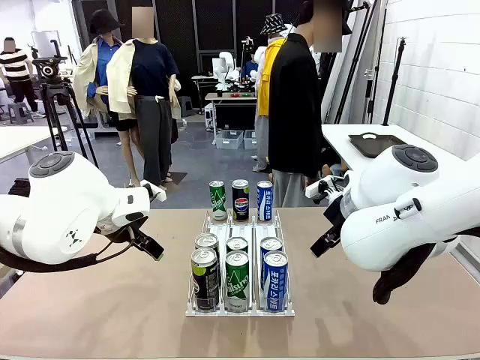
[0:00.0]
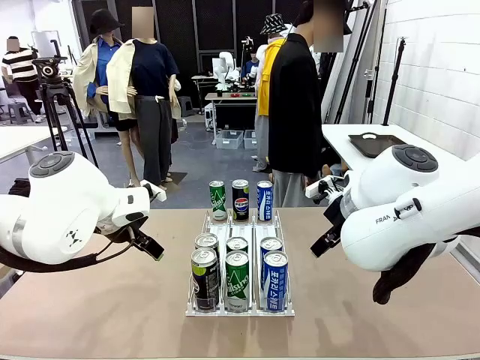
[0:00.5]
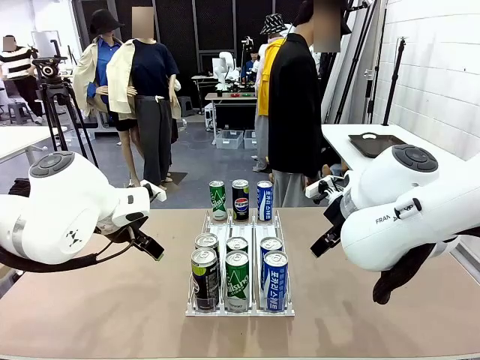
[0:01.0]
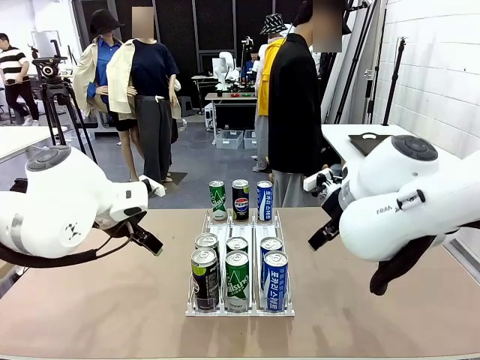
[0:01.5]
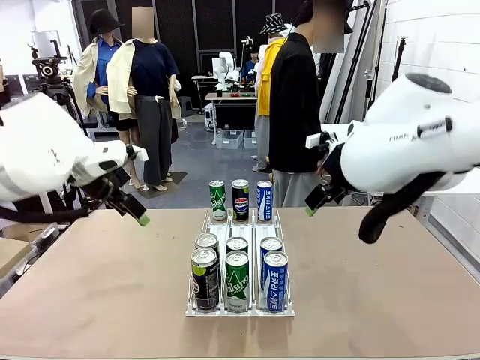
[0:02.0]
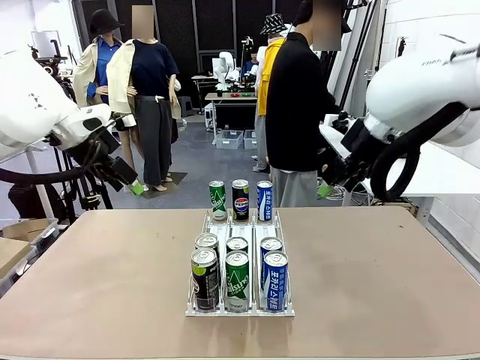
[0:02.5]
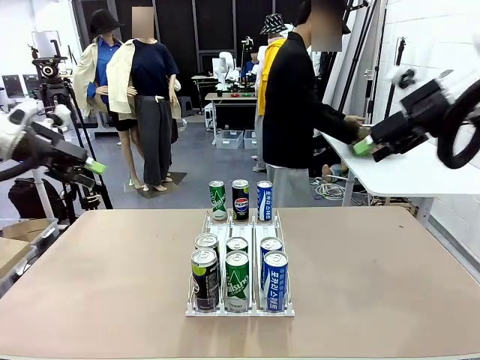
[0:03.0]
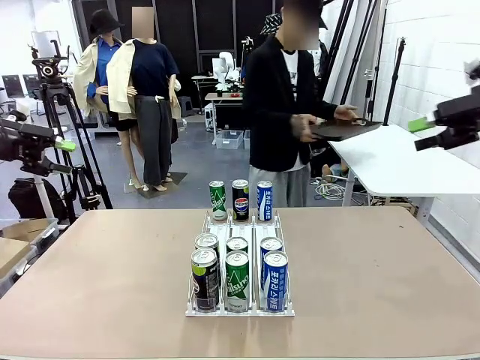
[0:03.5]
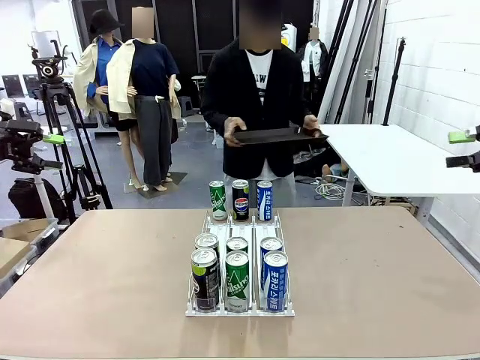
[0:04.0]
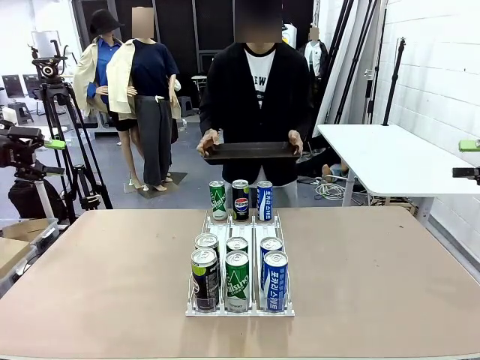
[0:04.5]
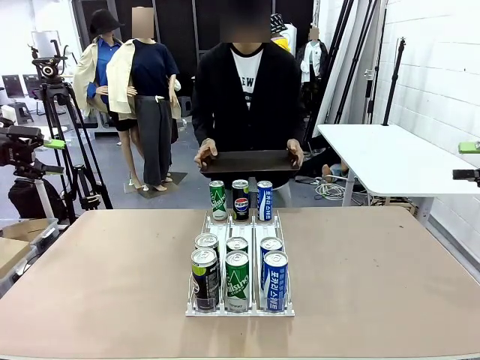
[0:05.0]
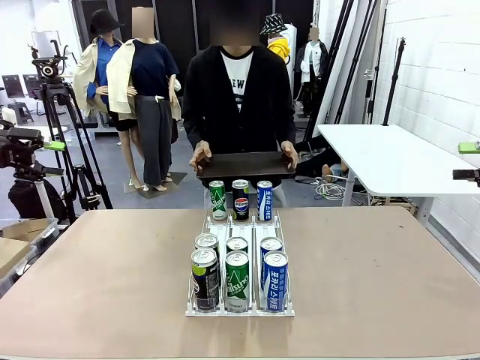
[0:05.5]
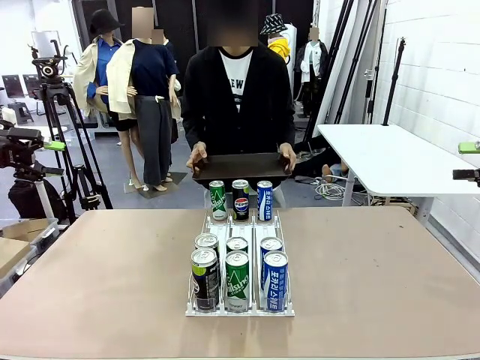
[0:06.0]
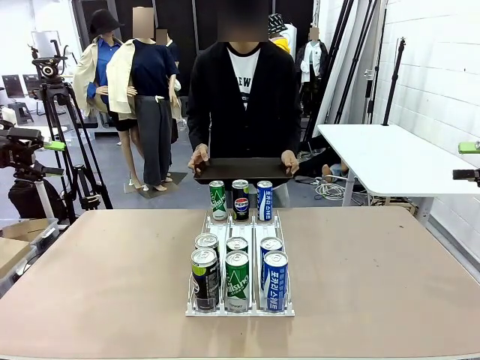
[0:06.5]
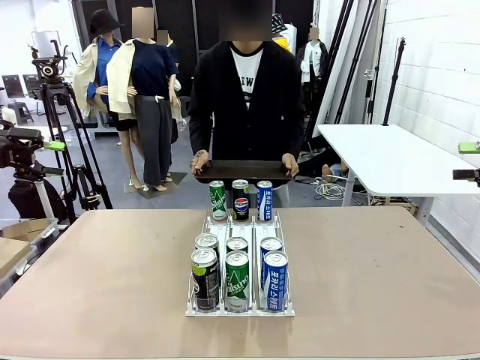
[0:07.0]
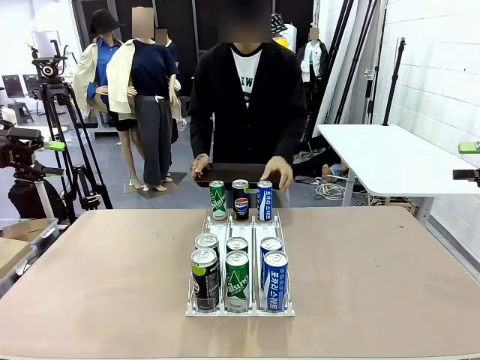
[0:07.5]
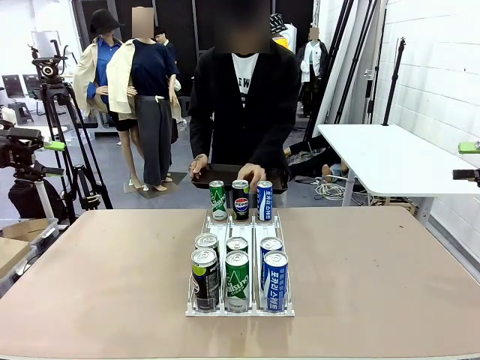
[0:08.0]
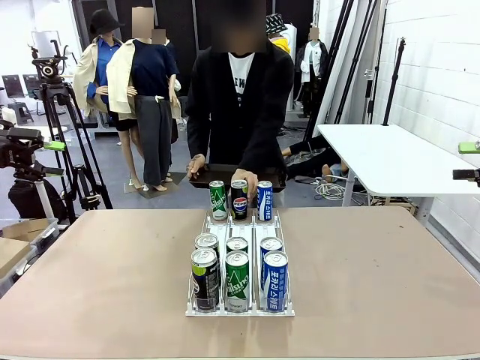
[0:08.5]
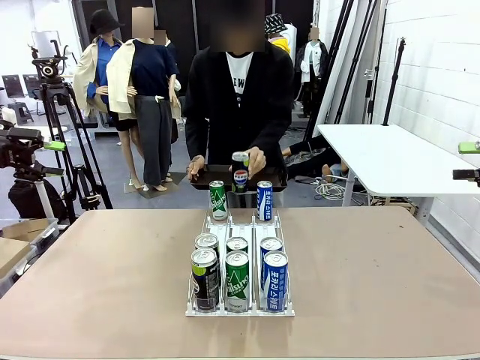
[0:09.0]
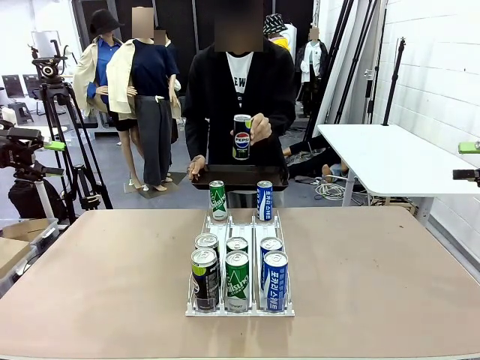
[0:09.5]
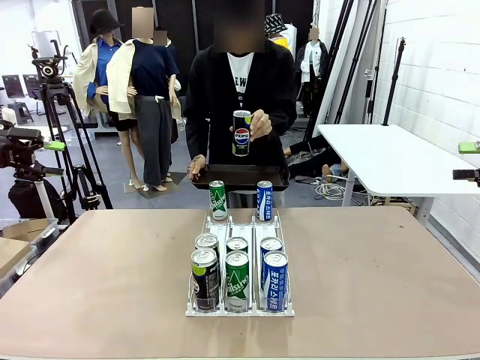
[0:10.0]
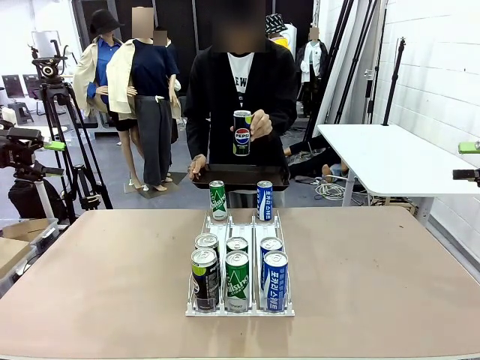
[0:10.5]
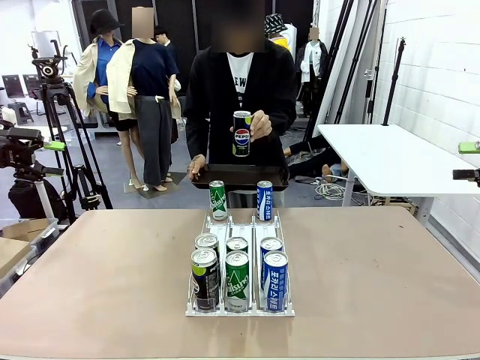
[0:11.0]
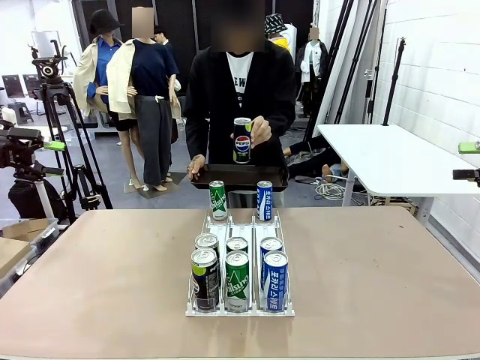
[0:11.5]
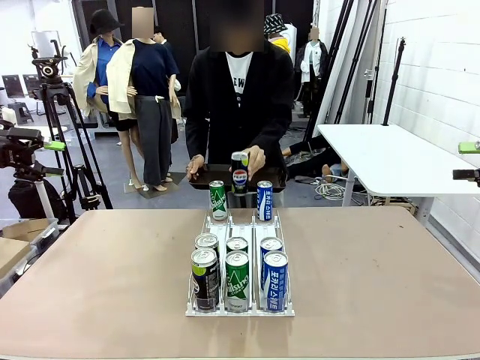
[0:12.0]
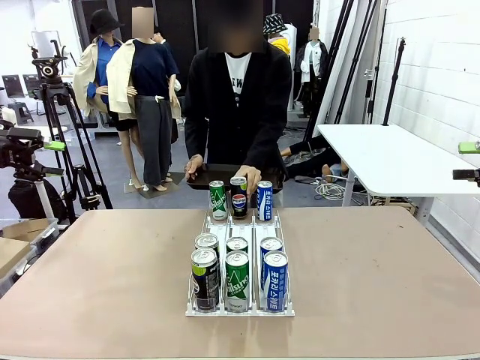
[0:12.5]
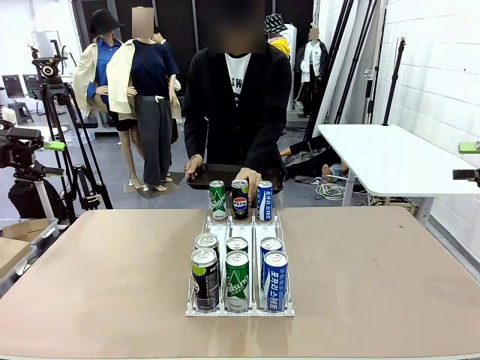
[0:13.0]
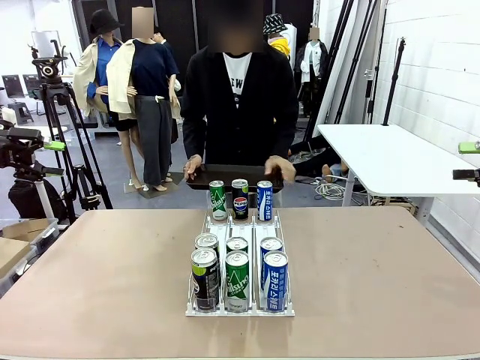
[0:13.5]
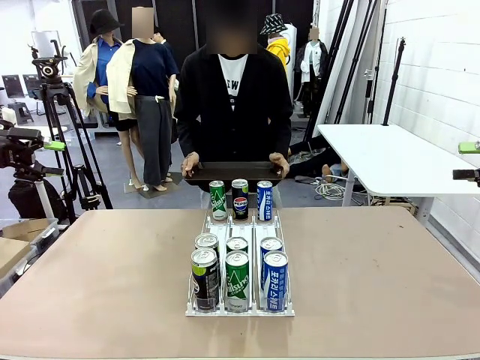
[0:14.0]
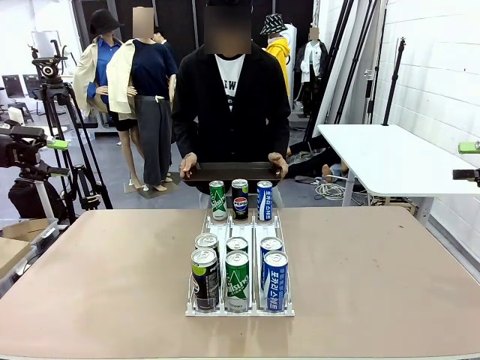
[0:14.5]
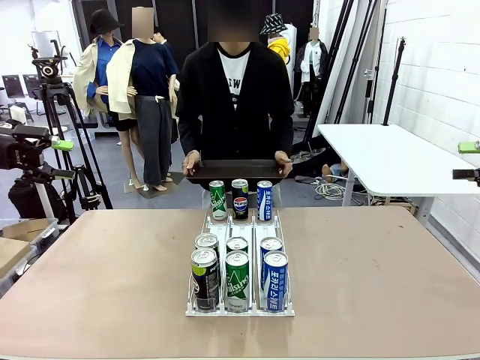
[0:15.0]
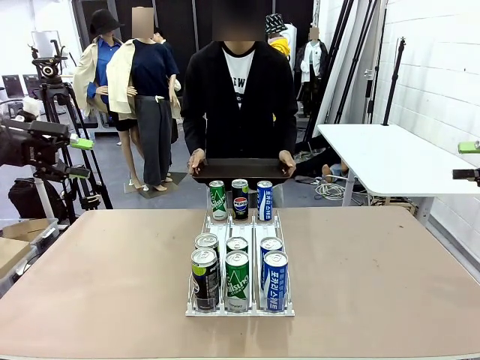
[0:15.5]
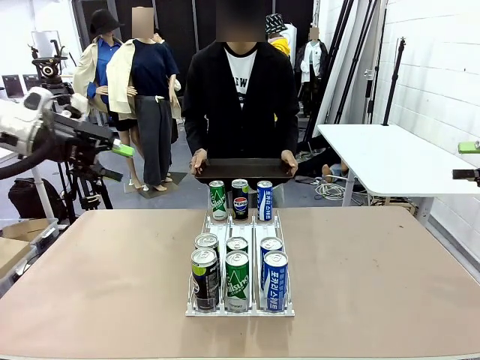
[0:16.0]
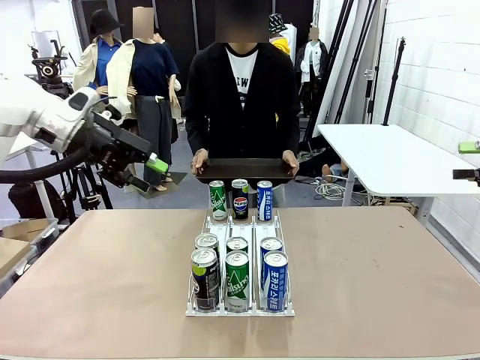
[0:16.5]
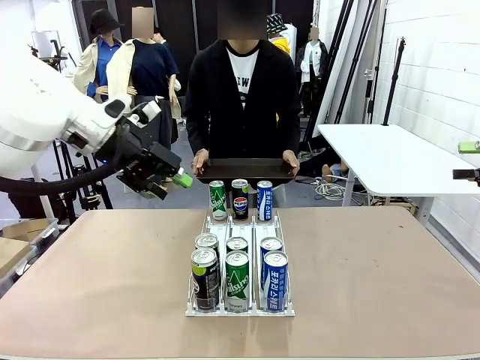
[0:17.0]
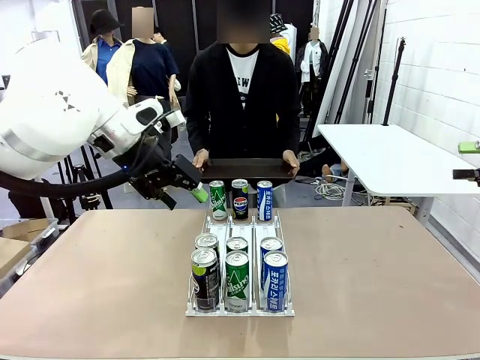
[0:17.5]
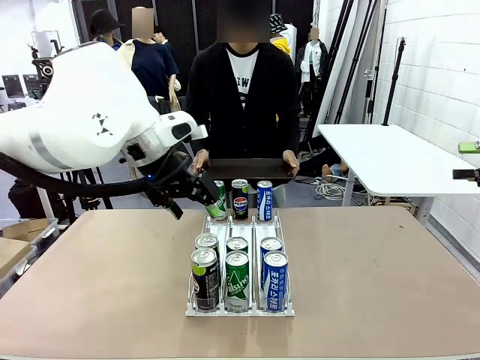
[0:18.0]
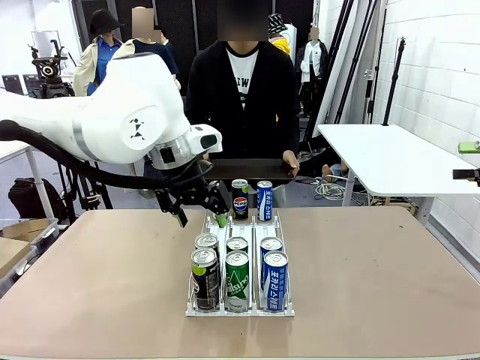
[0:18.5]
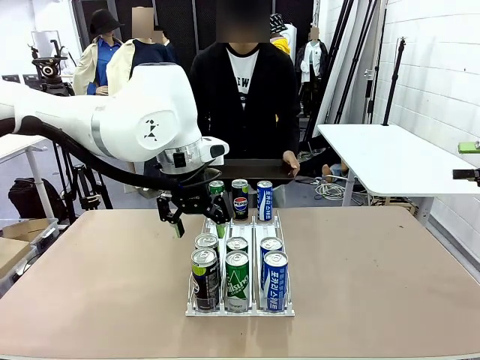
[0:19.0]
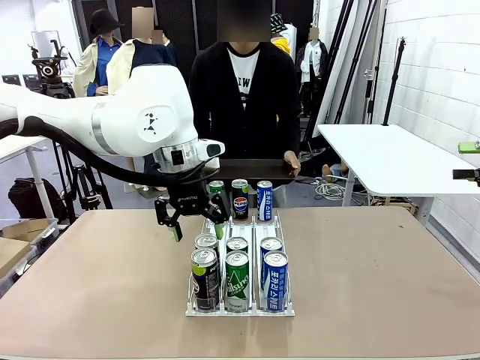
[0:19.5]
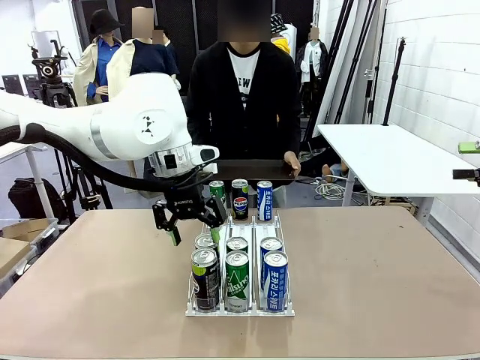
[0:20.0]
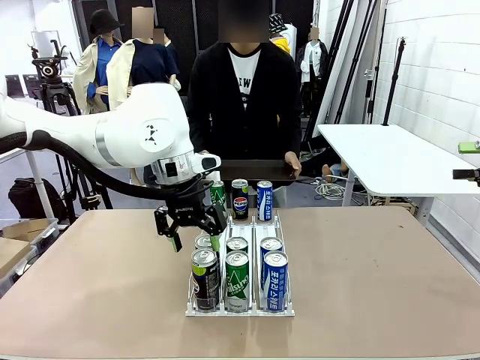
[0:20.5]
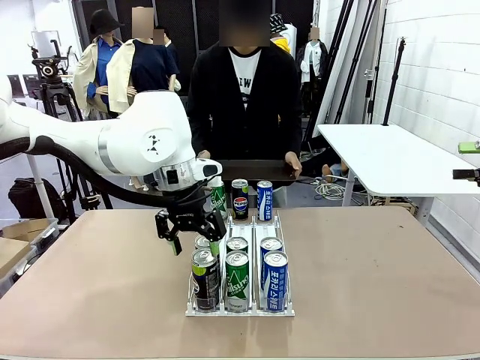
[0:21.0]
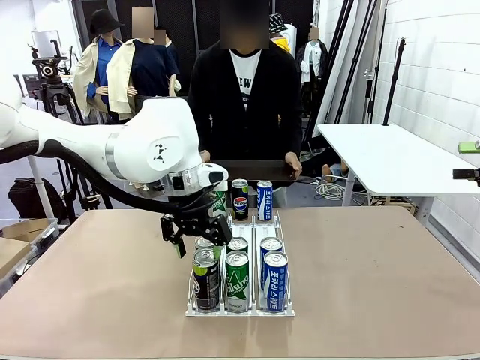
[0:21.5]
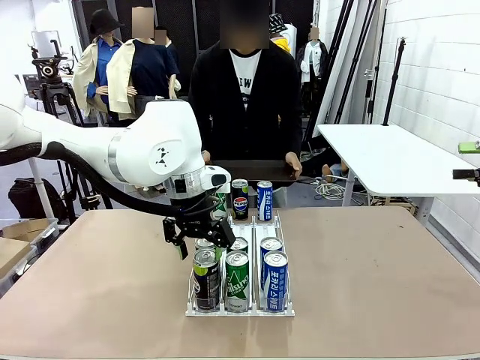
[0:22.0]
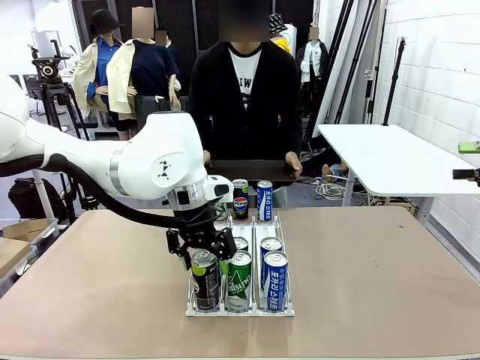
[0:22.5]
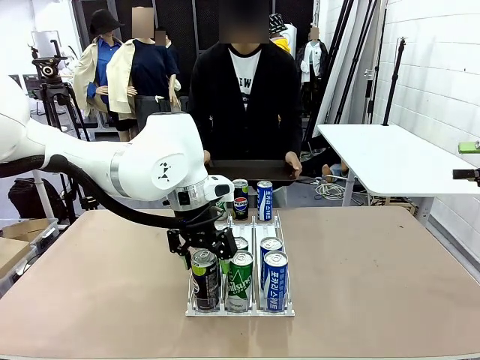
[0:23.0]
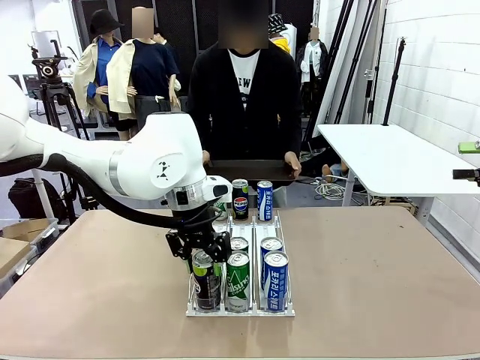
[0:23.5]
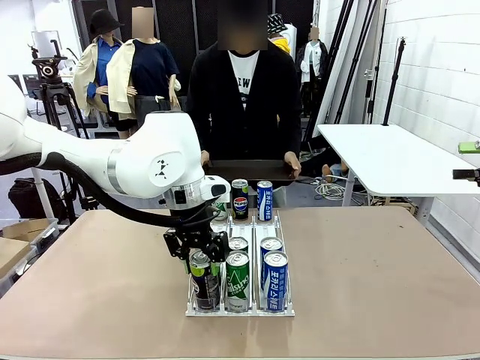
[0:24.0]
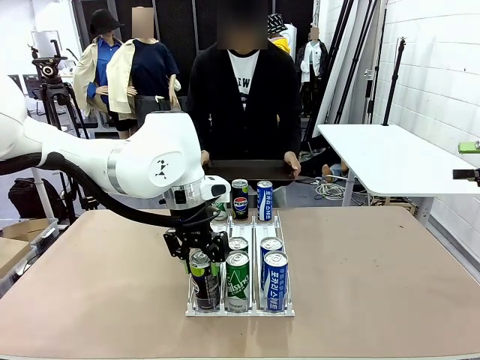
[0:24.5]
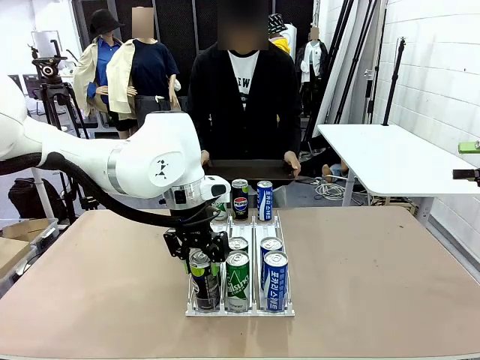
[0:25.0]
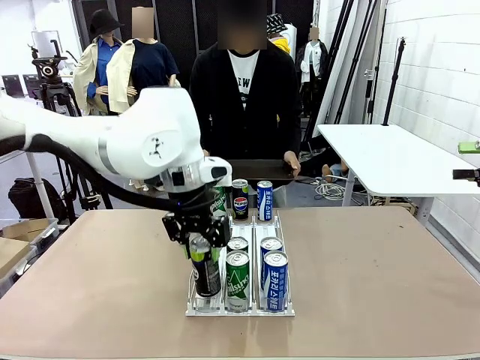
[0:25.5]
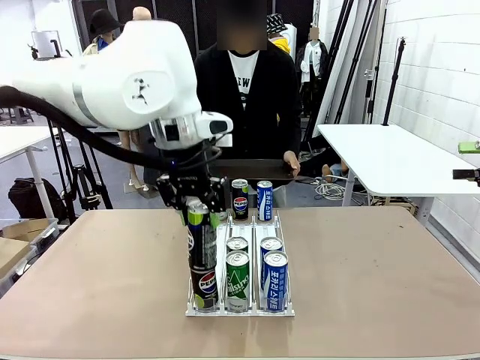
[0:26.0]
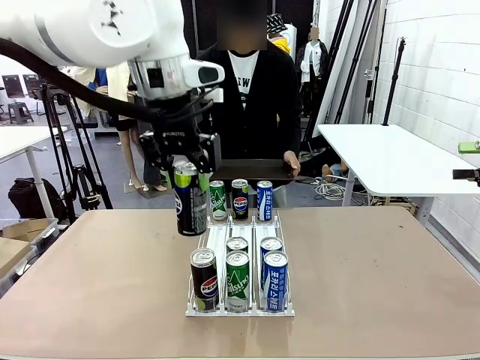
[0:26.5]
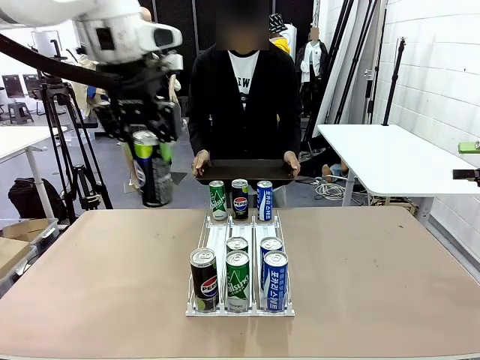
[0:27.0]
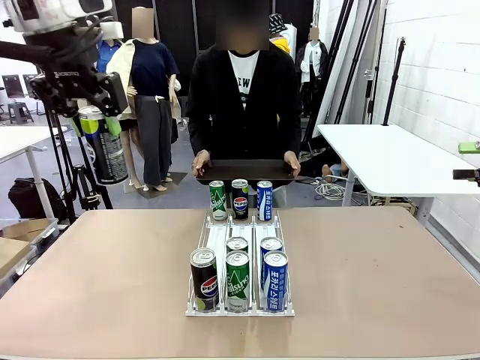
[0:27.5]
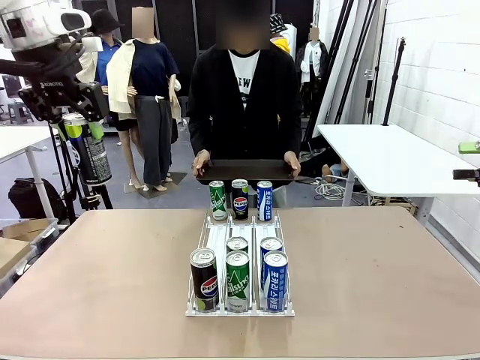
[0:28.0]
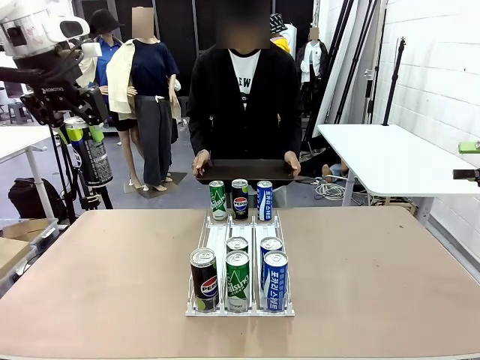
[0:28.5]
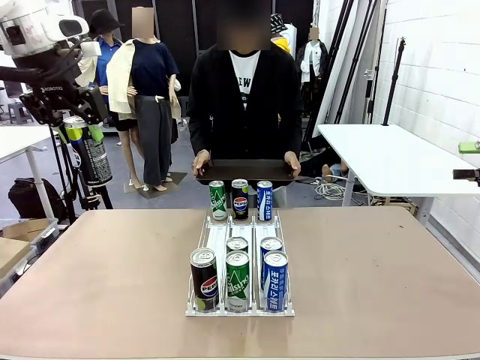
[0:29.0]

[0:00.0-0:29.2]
Task: Retrieve and hand over the desired beverage to the person.
Robot: Pick up a can of the same type that the person held from the Automatic Can Dispenser.
Person: Hold the tray and position yourself in front of the robot table. Pick up one can from the bottom area of the table and puts it back in its original place. Push the tray toward the robot.
